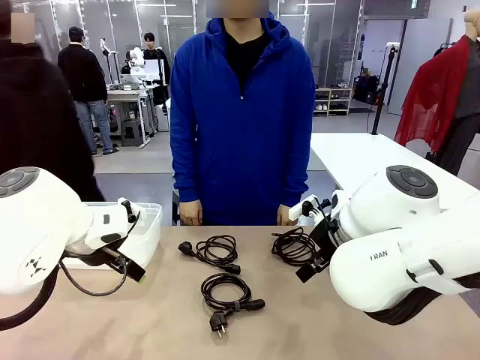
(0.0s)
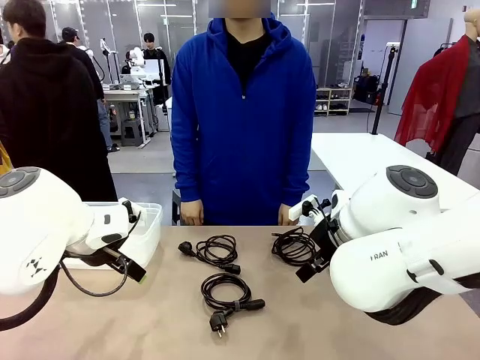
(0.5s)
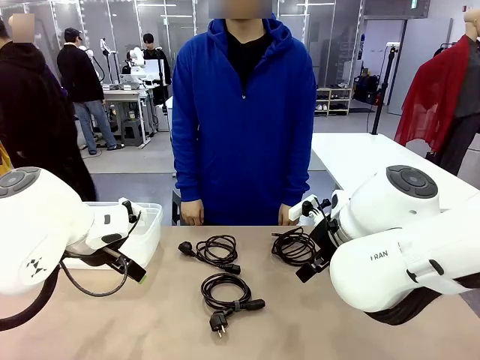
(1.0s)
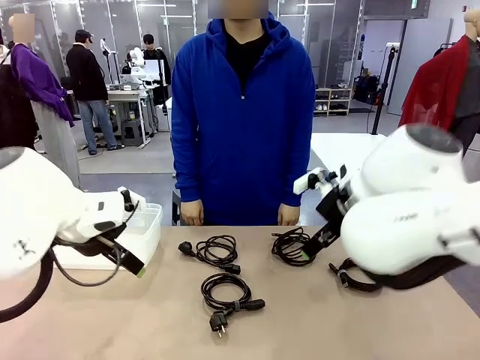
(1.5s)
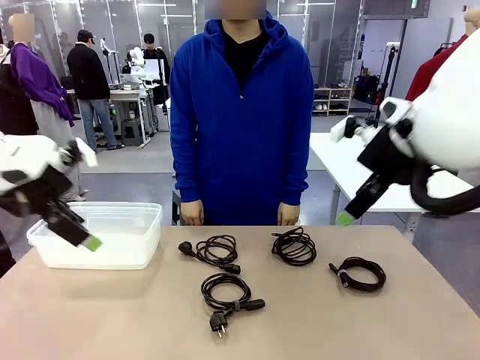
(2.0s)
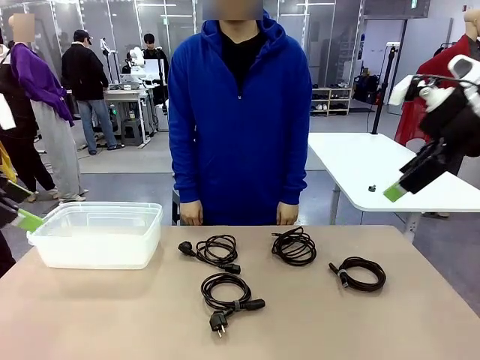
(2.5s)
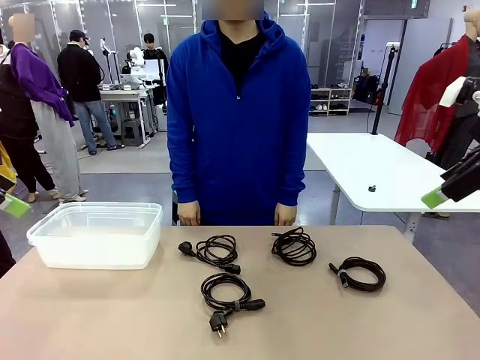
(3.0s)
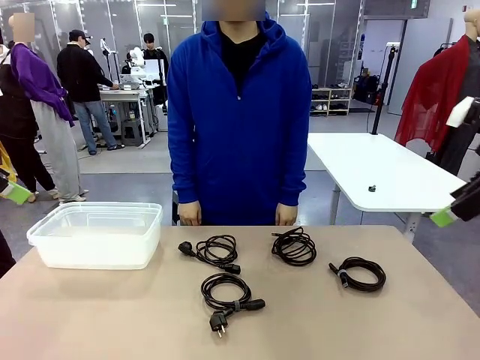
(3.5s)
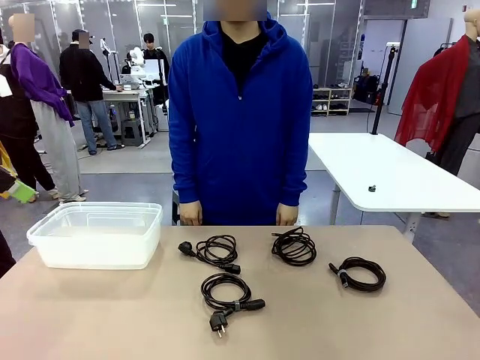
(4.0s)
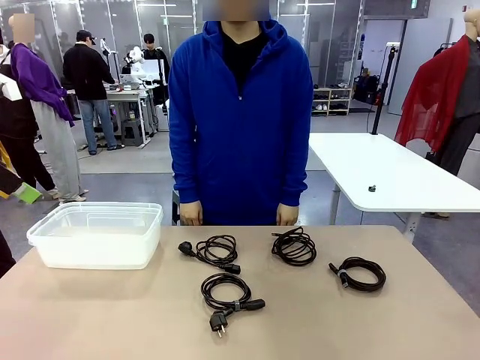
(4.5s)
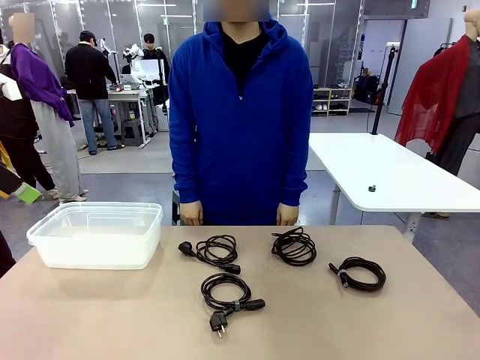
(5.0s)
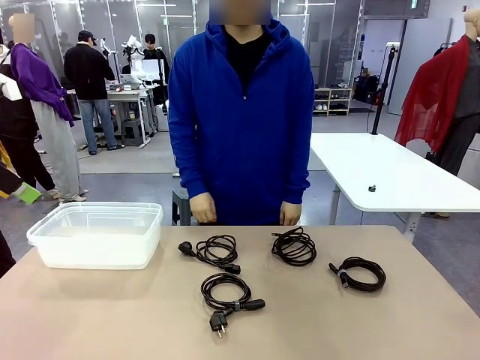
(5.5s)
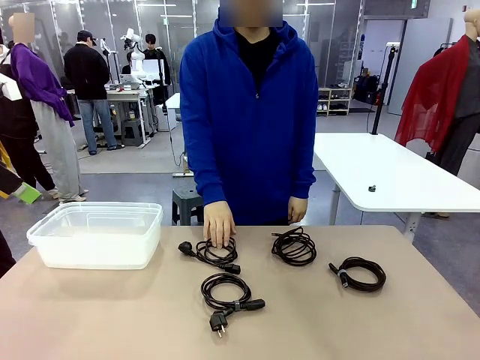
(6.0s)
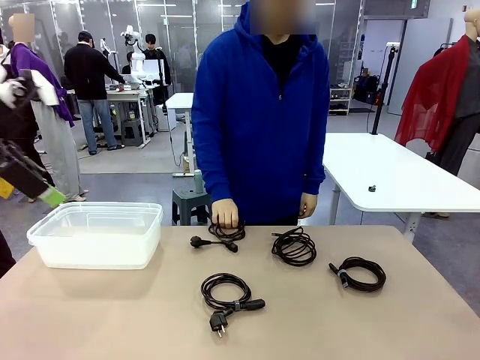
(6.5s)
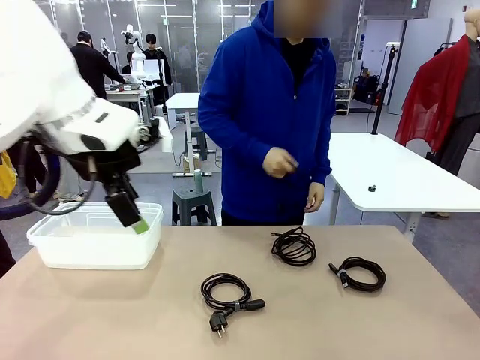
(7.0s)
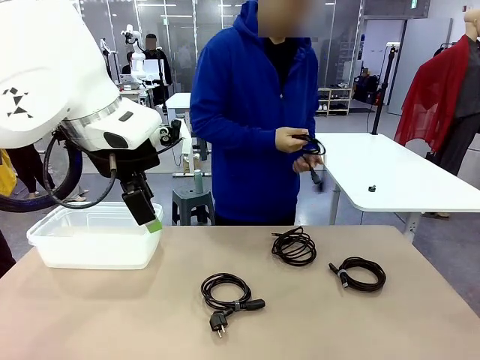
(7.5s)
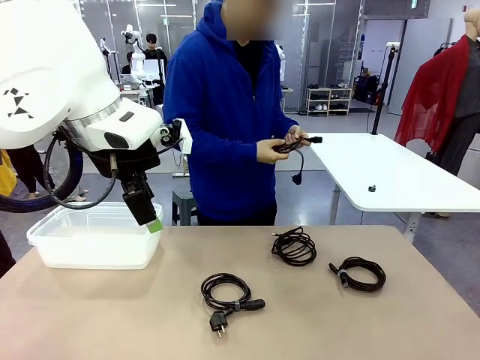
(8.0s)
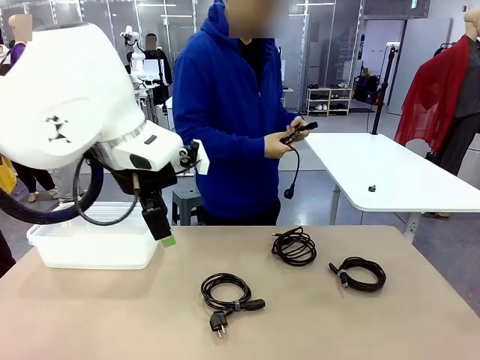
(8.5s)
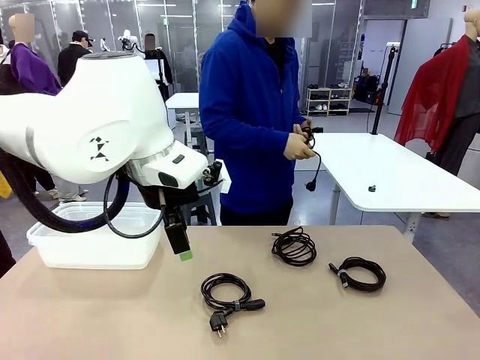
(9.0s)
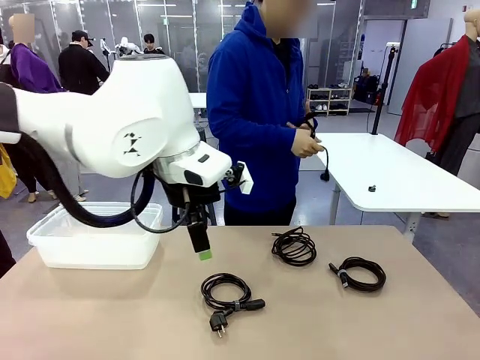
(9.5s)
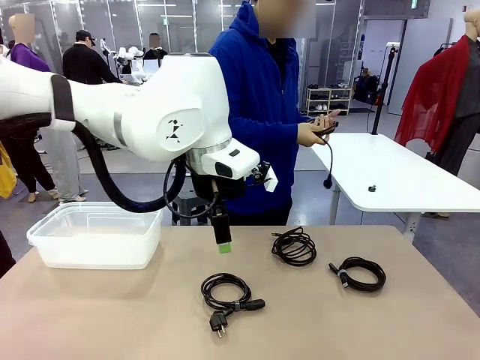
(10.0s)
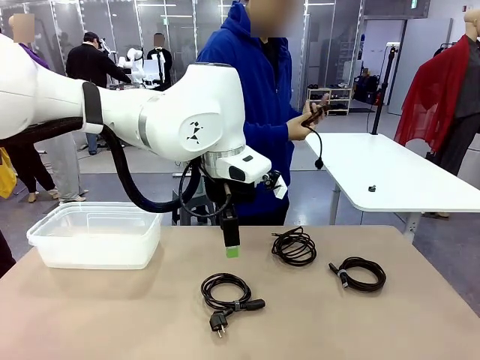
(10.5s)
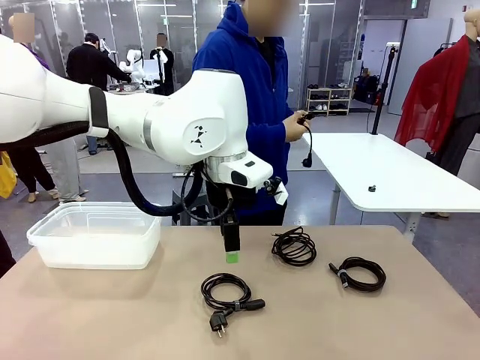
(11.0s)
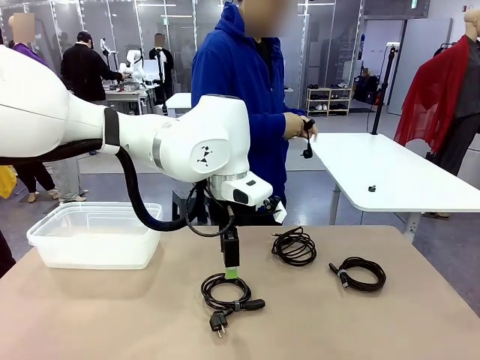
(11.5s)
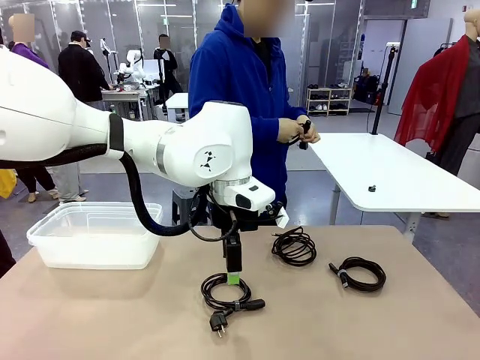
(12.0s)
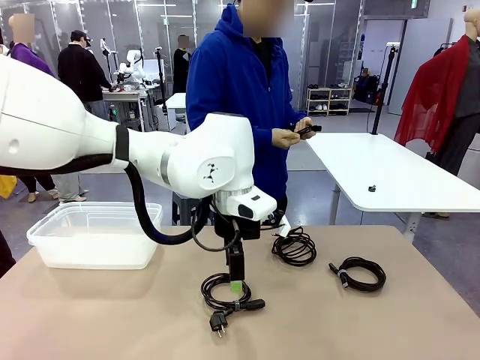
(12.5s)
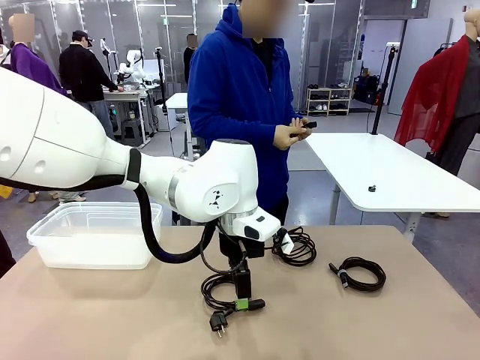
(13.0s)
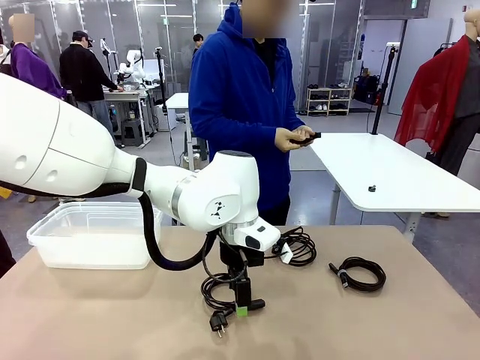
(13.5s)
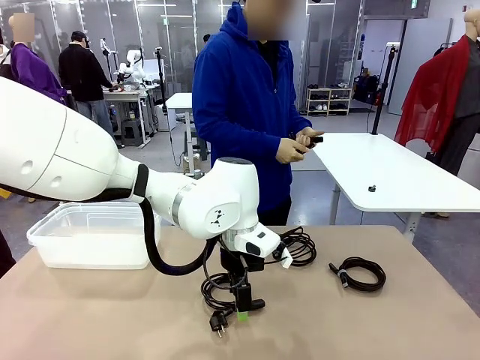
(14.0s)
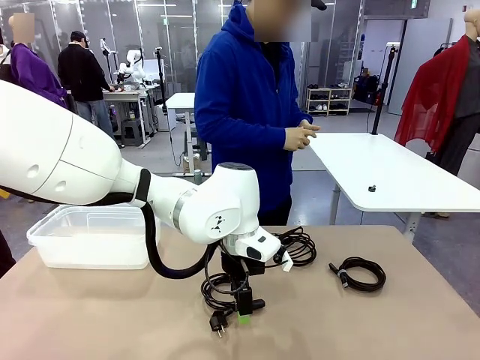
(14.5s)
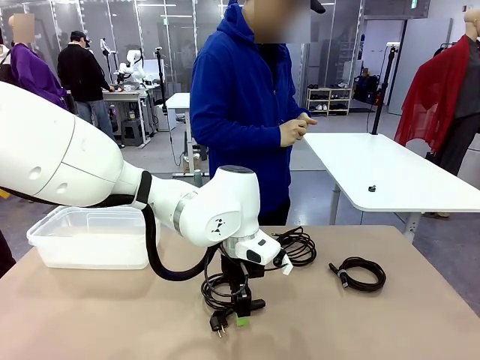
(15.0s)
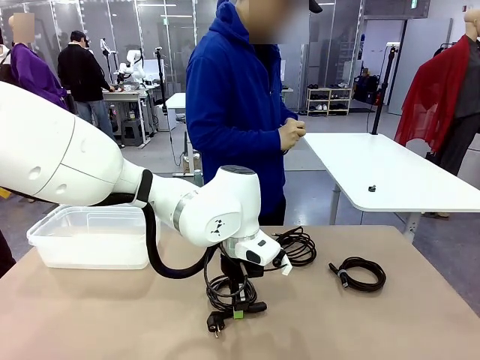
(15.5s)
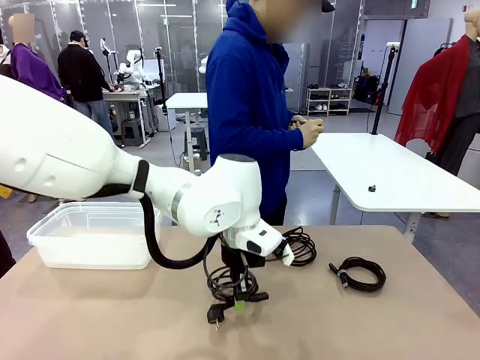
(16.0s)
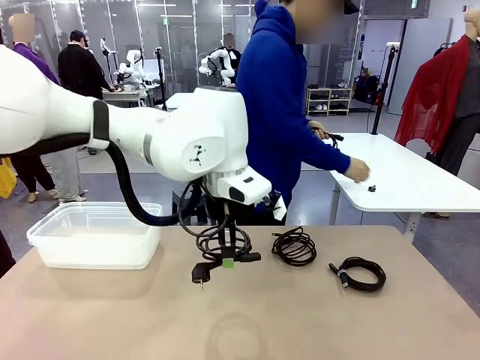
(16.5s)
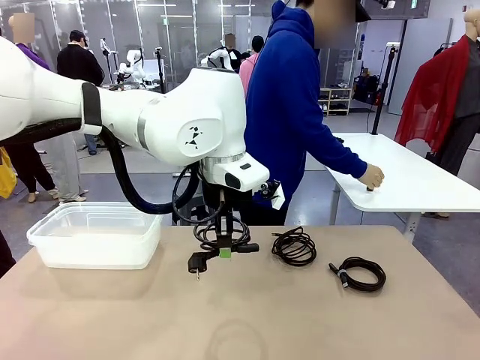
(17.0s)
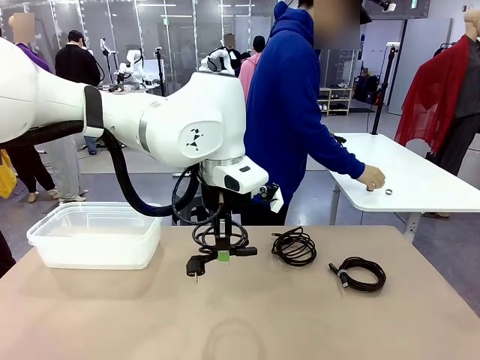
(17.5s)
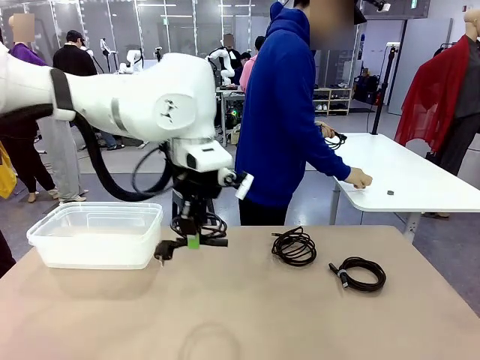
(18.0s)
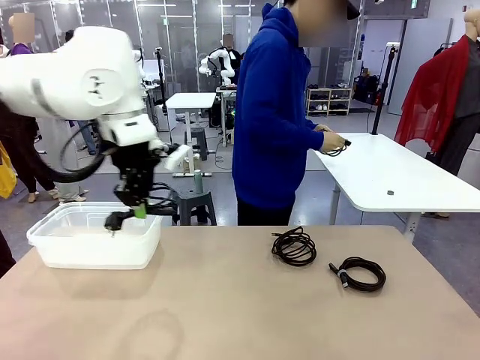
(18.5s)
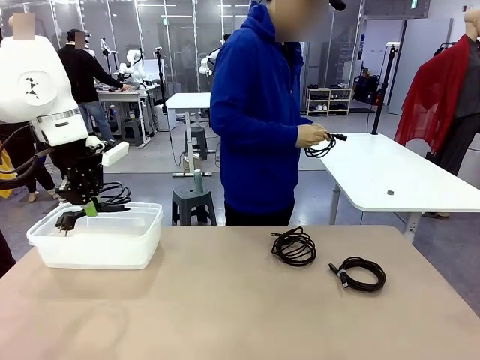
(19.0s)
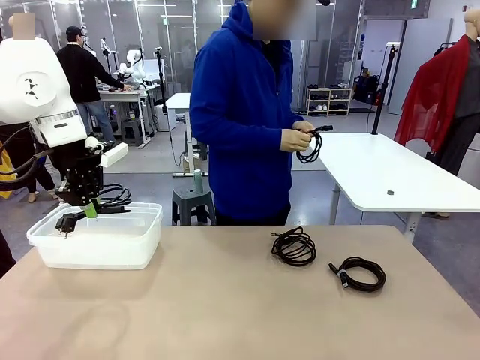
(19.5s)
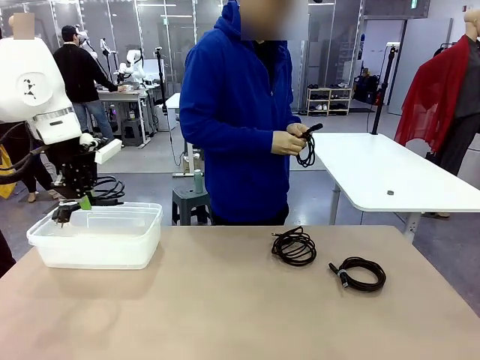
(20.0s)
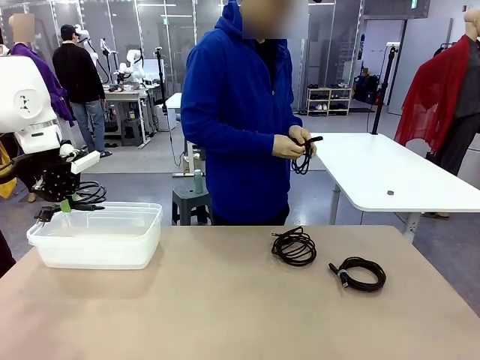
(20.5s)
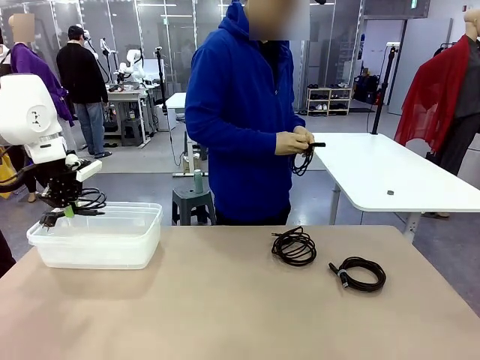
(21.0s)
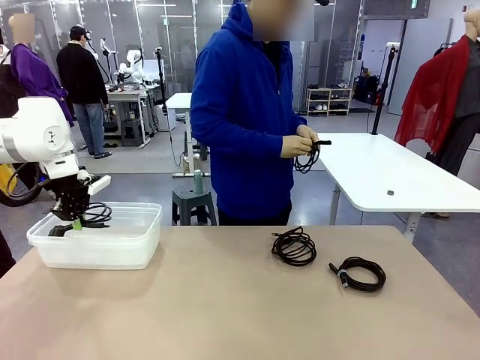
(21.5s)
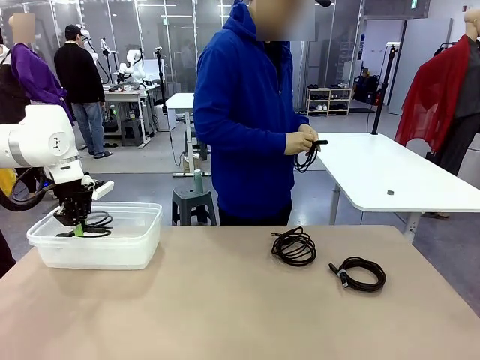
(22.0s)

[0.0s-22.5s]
Task: Organize and store the cables.
Robot: Place the Power Cable into the Organizing box.
Person: Tie one Power Cable with a Reusable Cable Tie.
